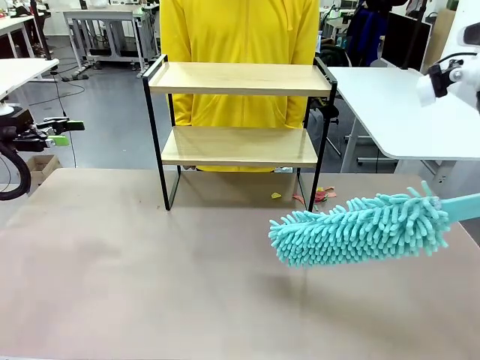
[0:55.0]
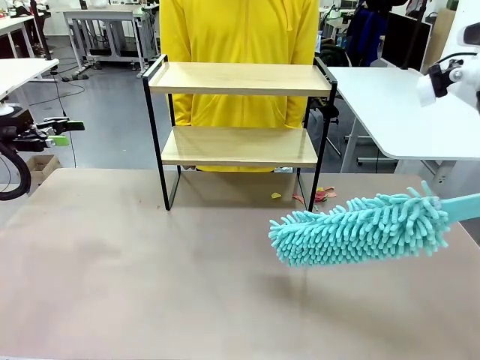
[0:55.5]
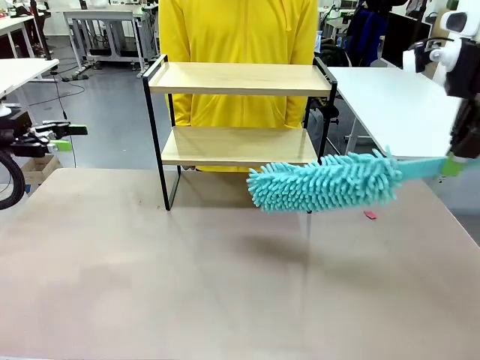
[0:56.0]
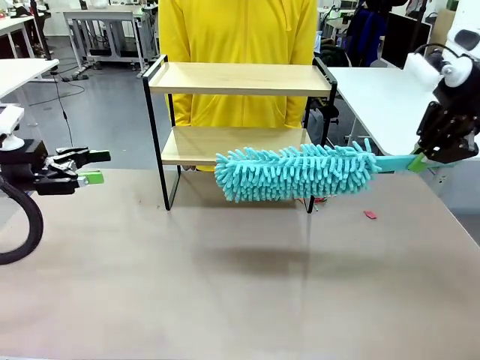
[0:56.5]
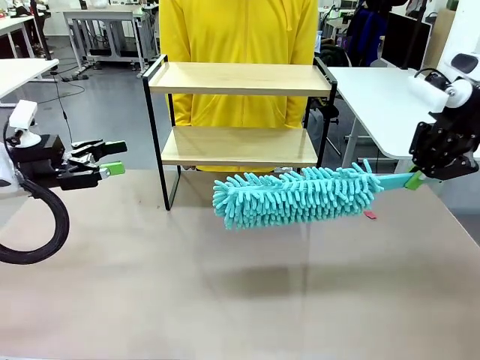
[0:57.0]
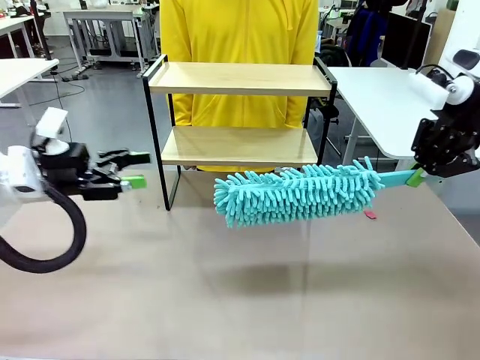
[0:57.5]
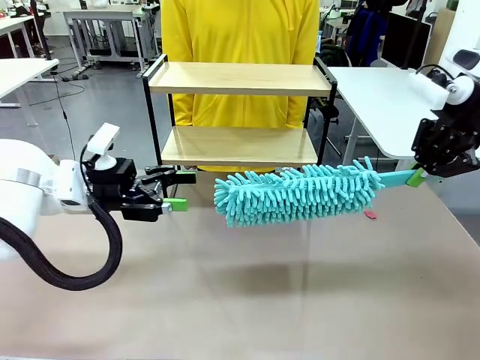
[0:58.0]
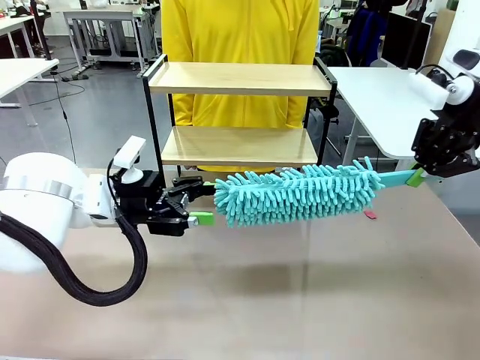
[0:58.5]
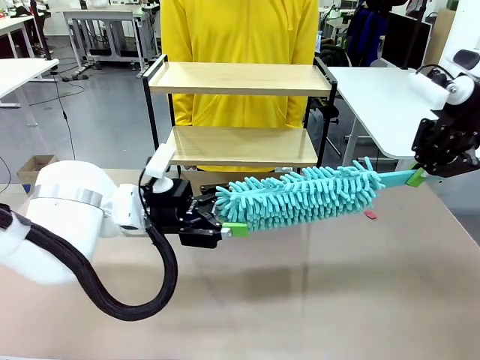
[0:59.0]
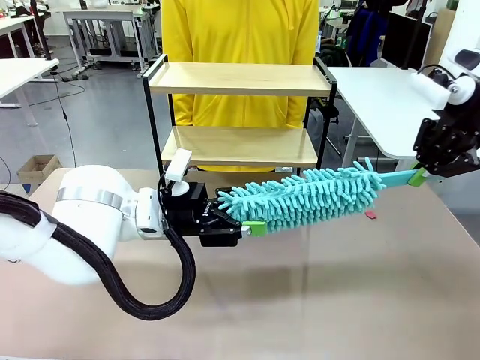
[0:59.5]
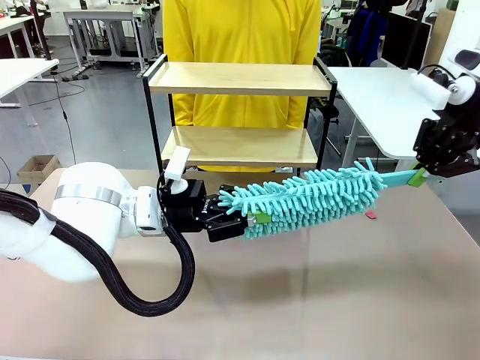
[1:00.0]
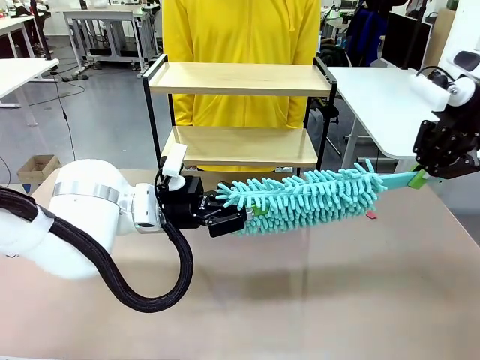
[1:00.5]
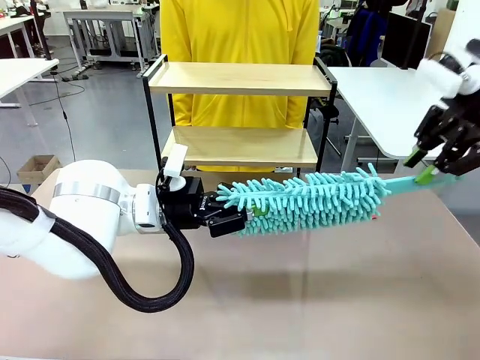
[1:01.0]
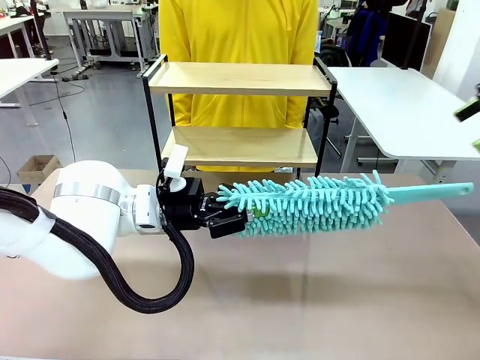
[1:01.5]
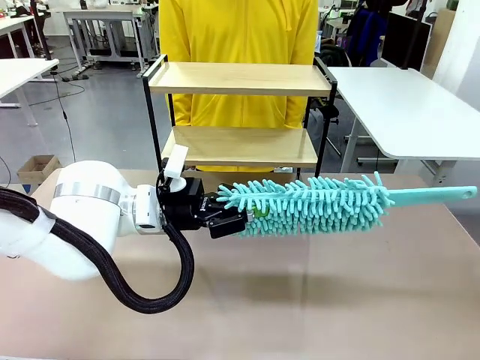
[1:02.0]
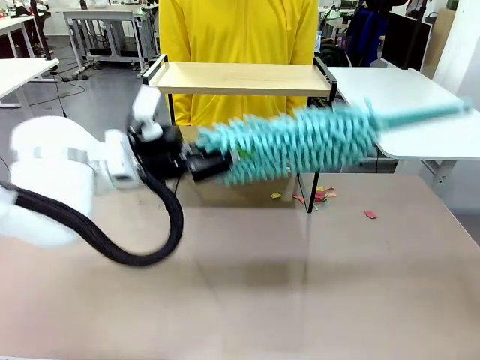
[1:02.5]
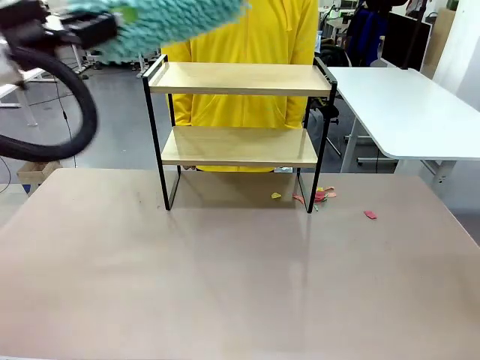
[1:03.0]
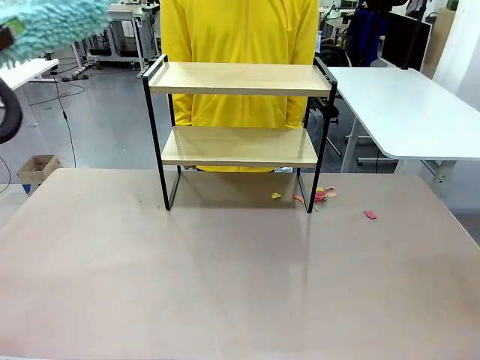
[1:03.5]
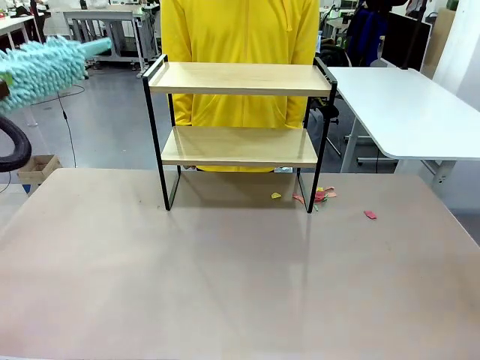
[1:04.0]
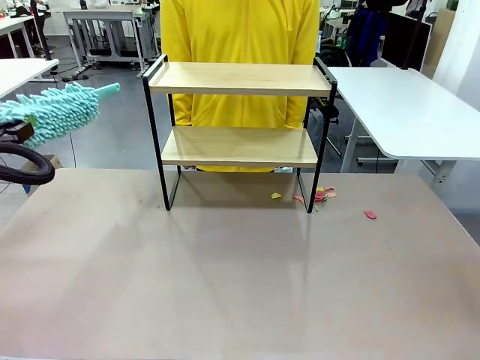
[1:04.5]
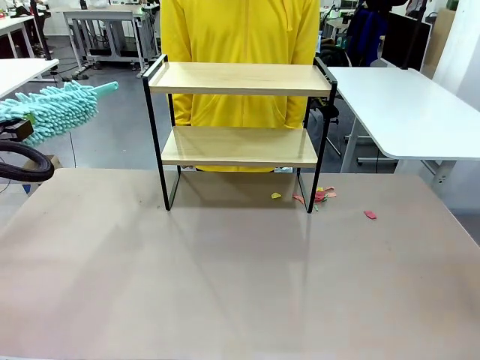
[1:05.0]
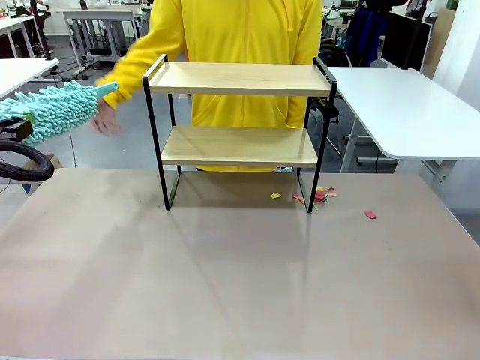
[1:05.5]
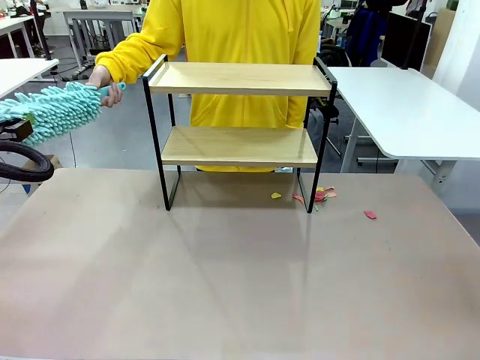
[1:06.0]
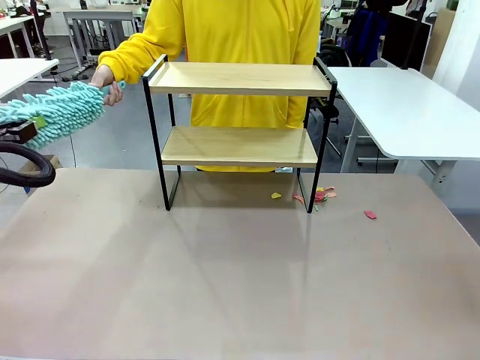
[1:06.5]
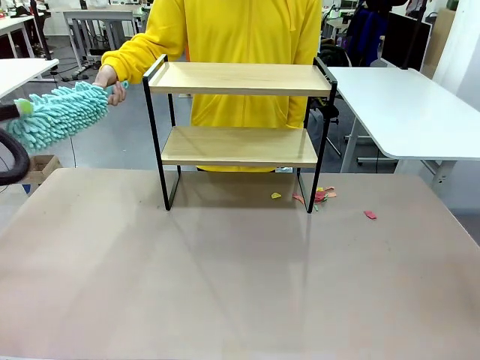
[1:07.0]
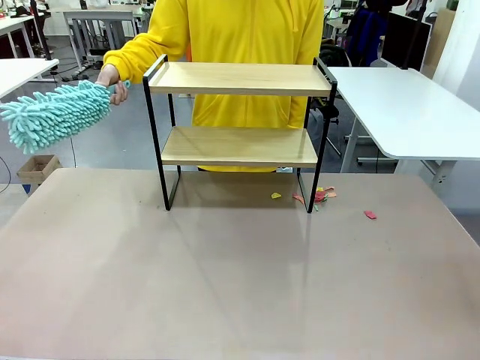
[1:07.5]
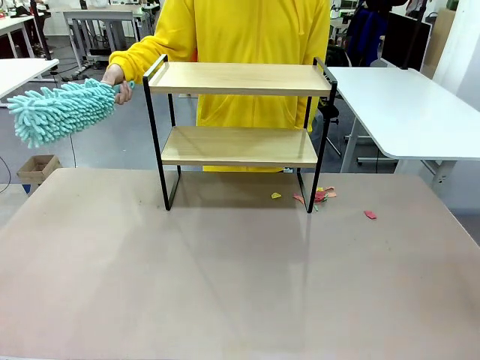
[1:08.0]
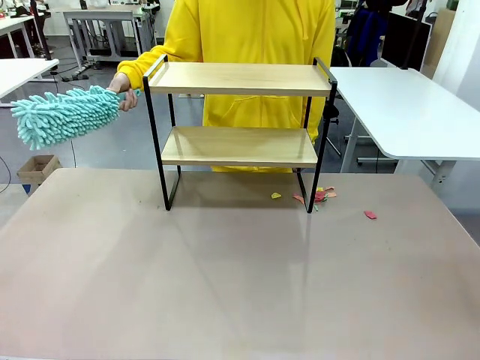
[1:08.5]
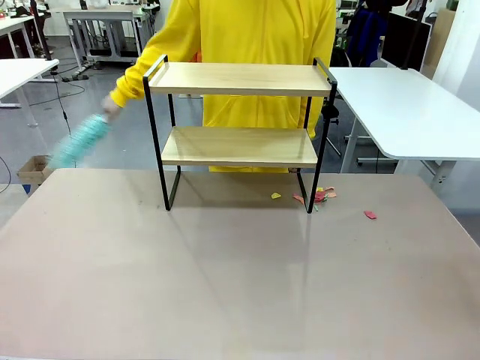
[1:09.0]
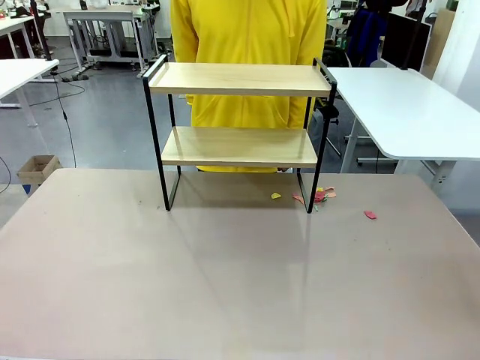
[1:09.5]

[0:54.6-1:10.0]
Task: Clean the shelf.
Robot: Hand the Duster back to the human.
Person: Receive the Duster from the robot.

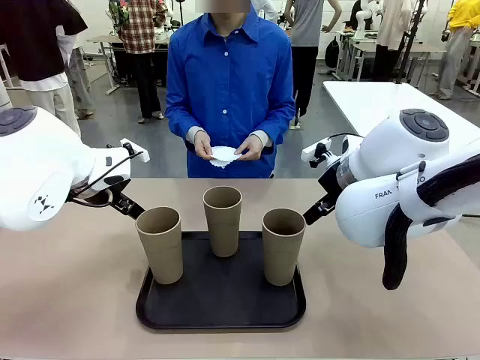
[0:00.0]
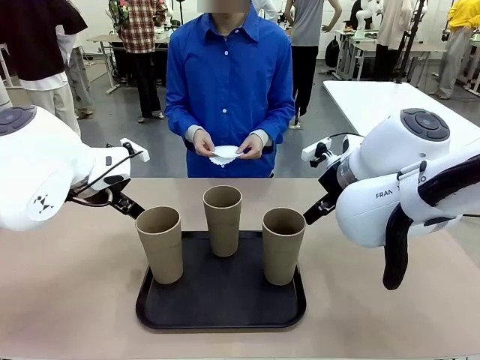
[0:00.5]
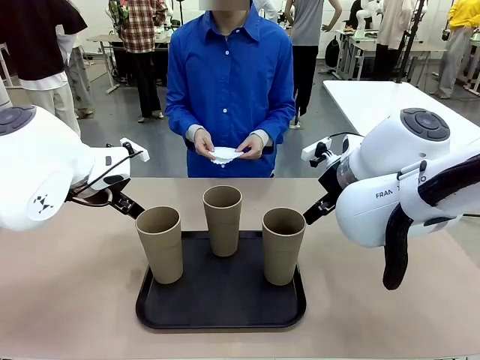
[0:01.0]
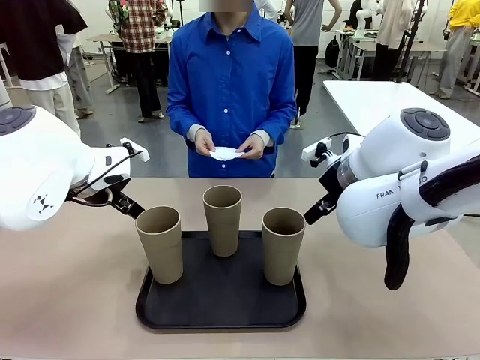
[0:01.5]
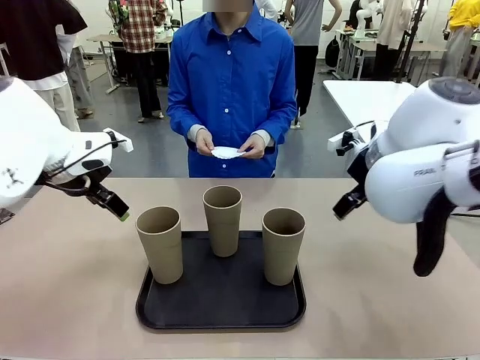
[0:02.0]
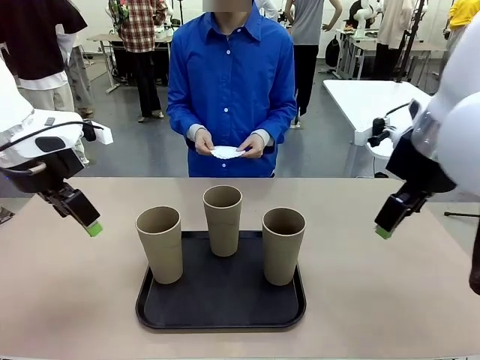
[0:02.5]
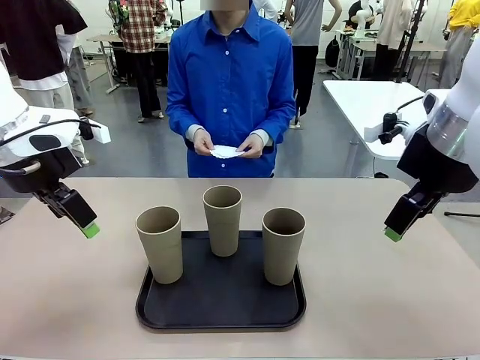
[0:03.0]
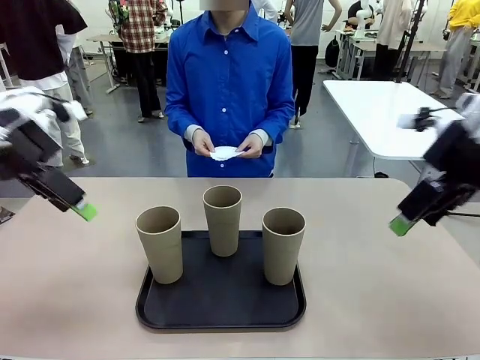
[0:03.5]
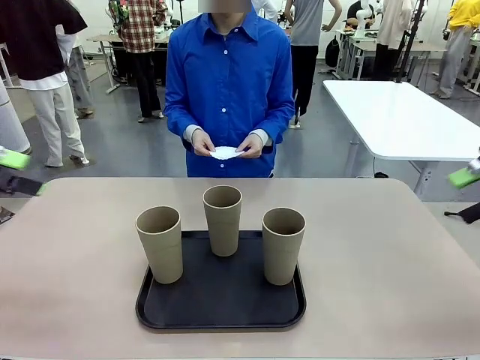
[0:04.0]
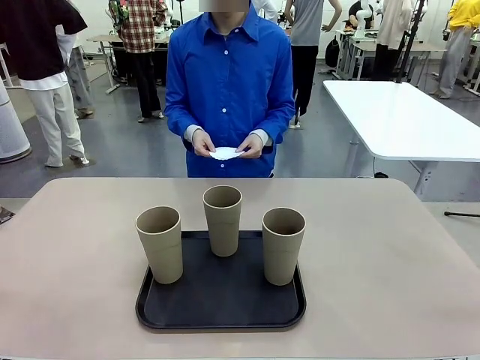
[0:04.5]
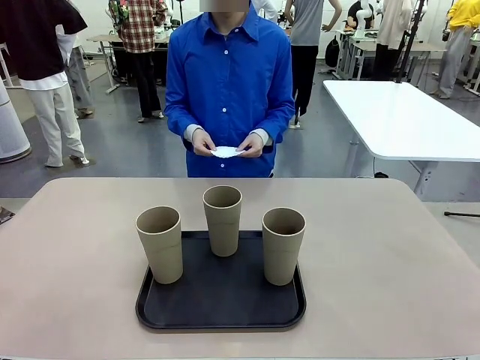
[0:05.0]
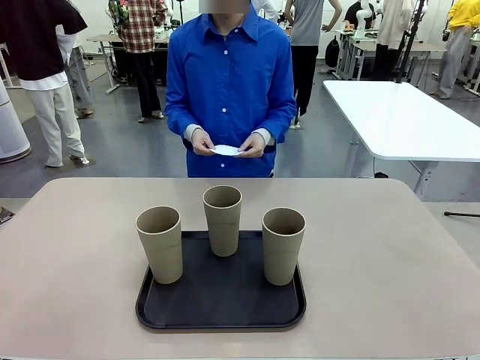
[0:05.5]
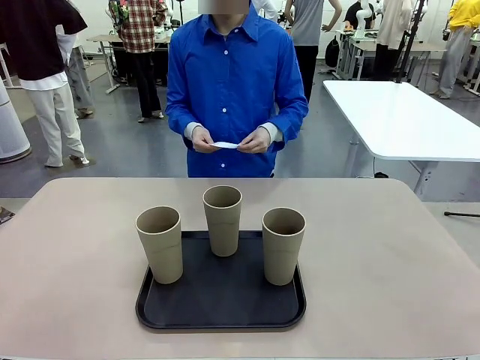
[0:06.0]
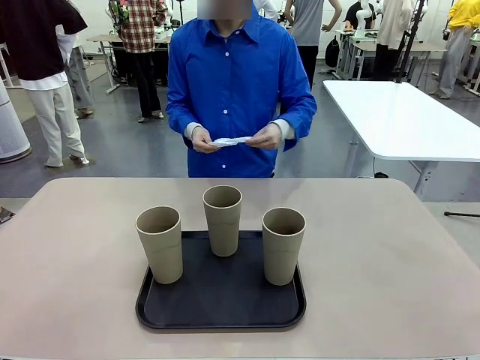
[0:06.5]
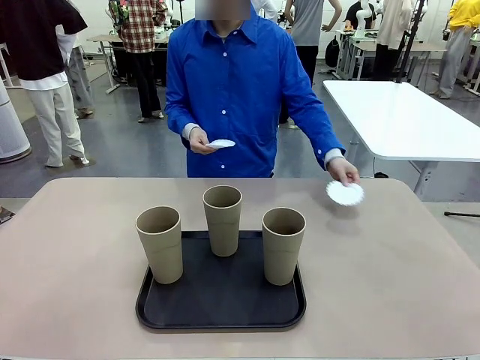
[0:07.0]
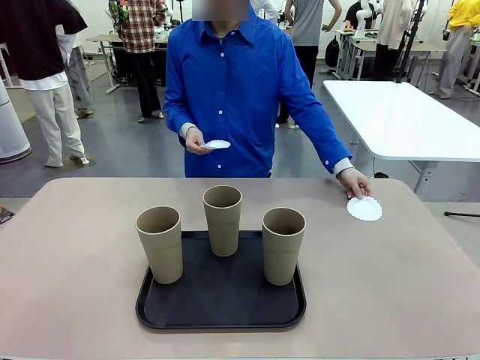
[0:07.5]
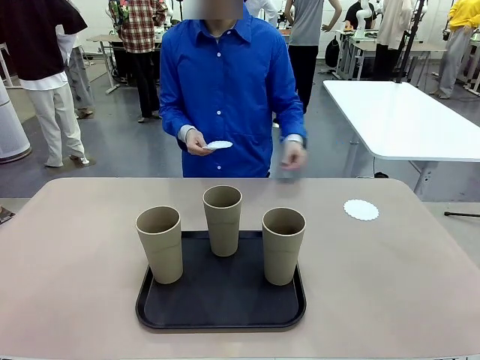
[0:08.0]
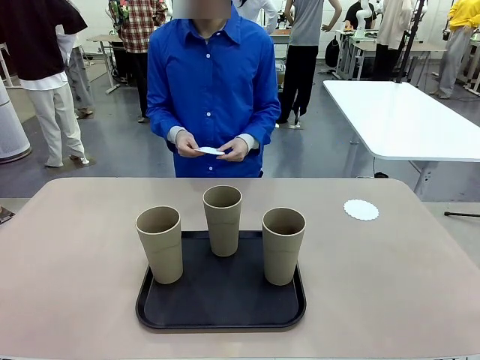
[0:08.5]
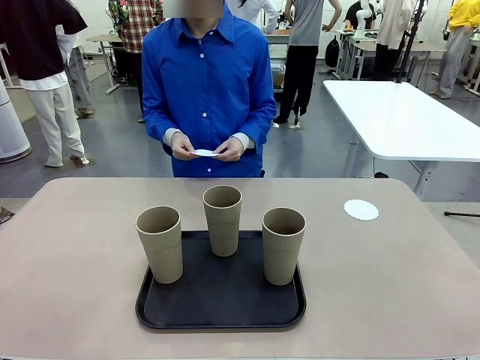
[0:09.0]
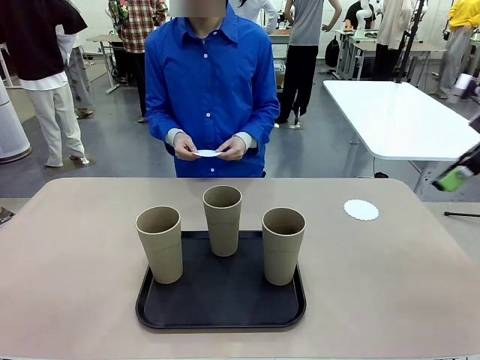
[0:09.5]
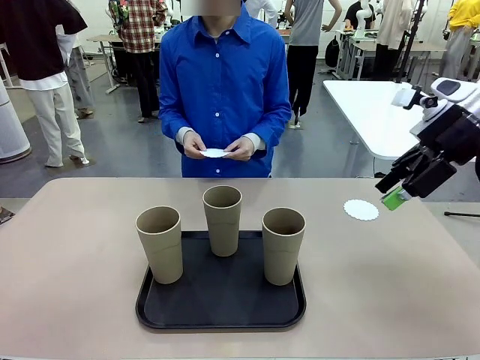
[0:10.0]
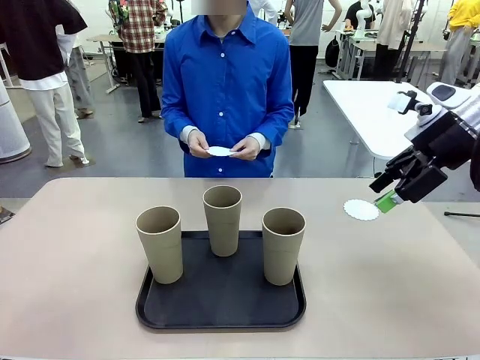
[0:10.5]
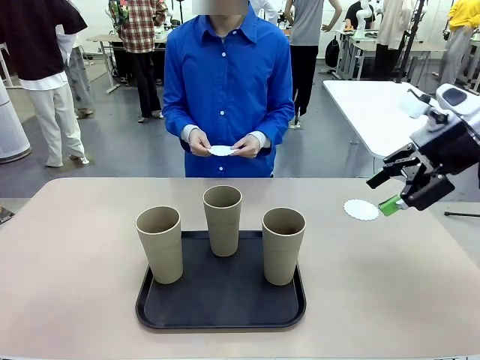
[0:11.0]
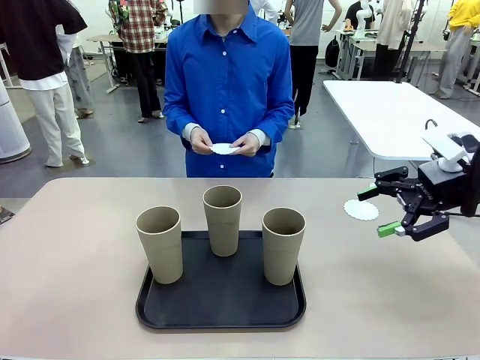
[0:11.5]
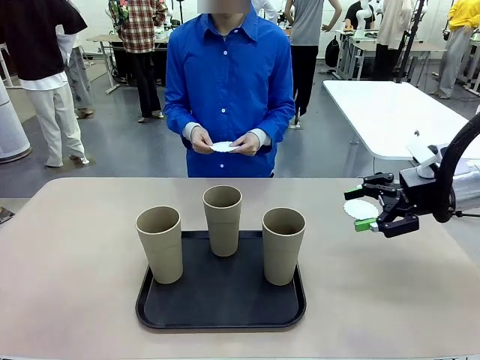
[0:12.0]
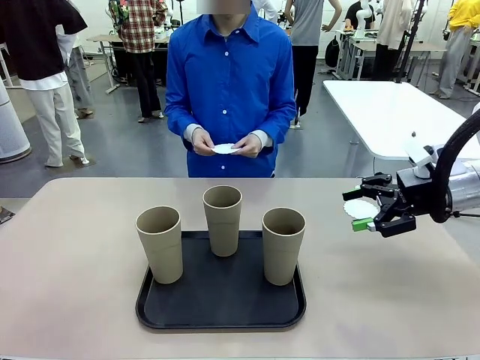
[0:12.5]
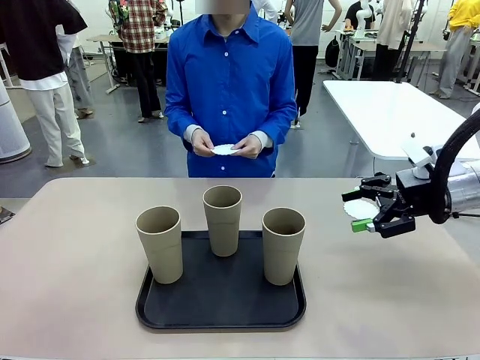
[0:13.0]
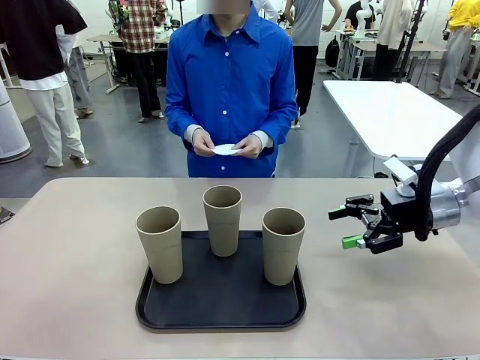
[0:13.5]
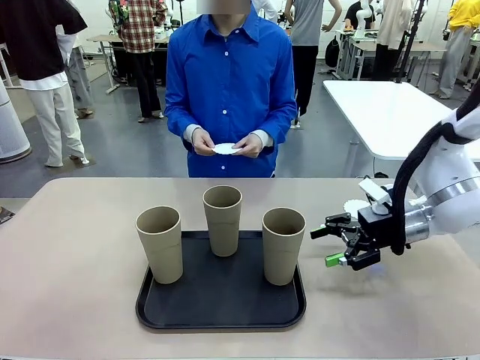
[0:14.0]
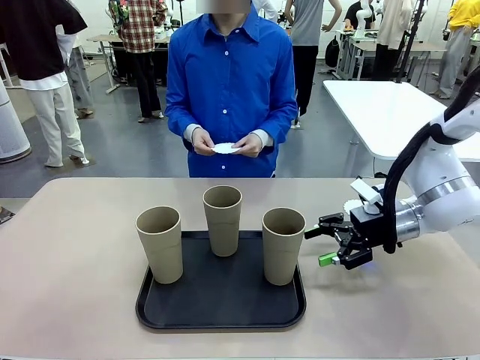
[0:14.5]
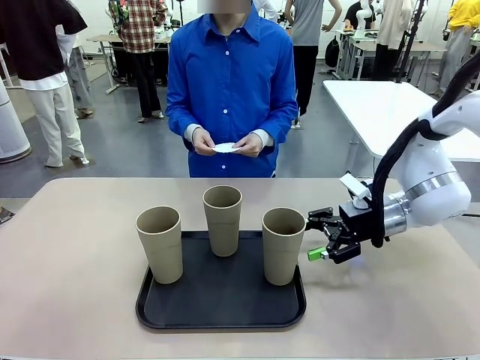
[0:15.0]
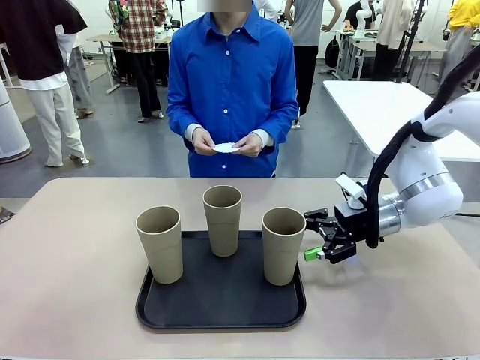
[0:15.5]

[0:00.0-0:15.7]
Task: Place coasters on the table and set cups on them.
Robot: Pick up one Reusable plastic cup and place it on a coaster set by the human.
Person: Place one coaster in any one of the three lower areas of the robot table (left, center, or right).
